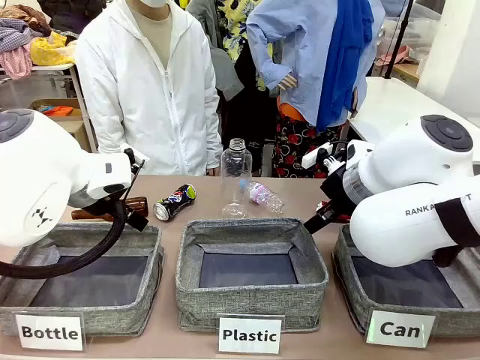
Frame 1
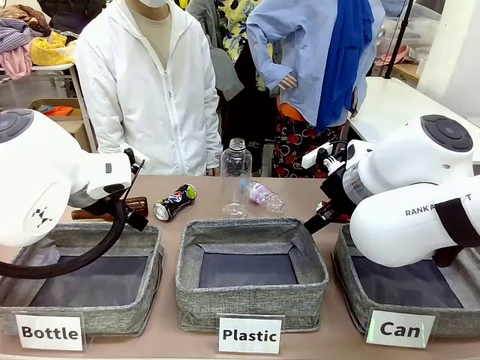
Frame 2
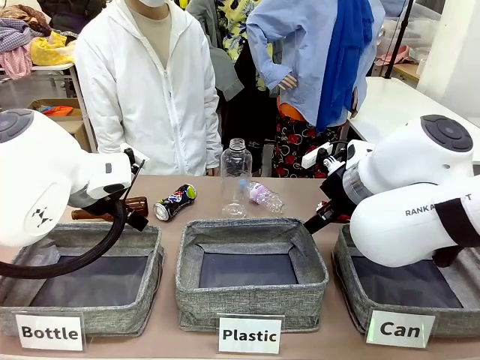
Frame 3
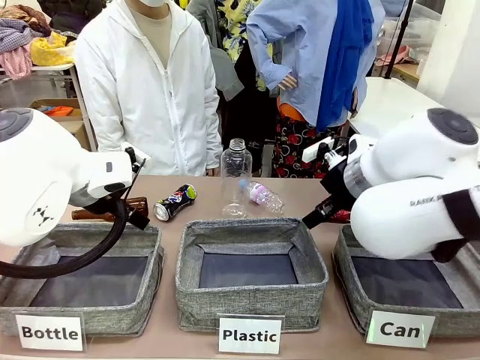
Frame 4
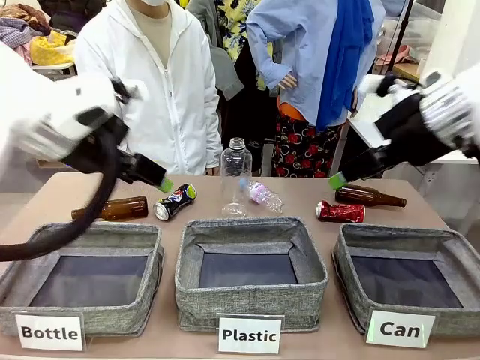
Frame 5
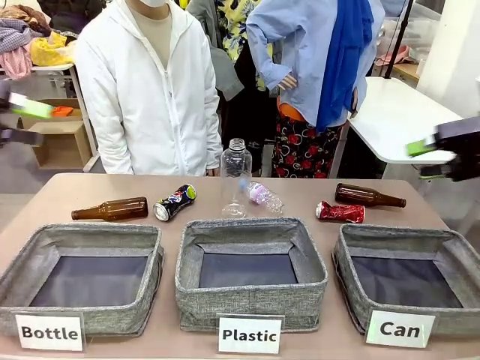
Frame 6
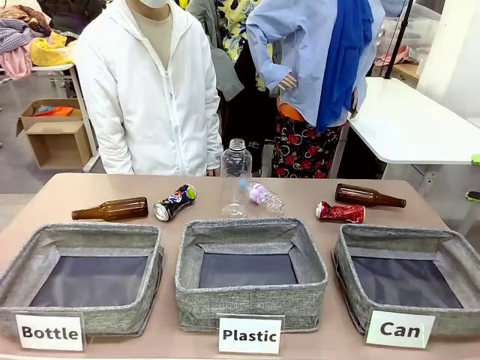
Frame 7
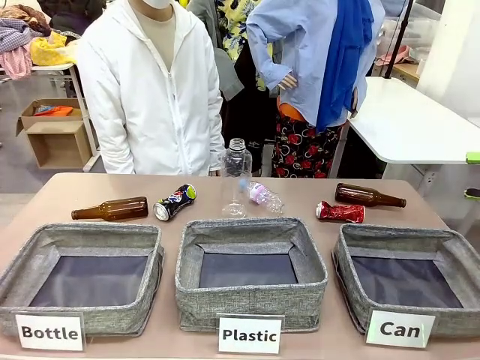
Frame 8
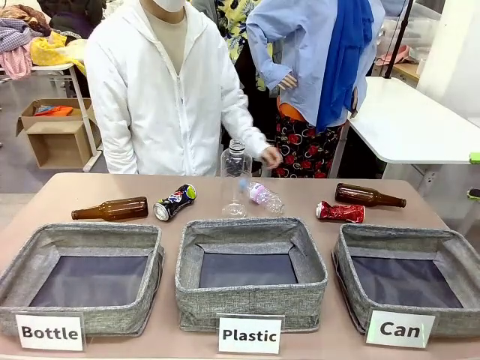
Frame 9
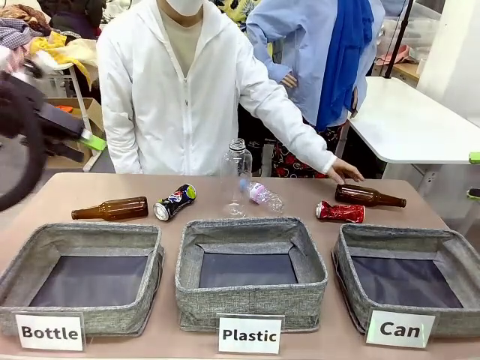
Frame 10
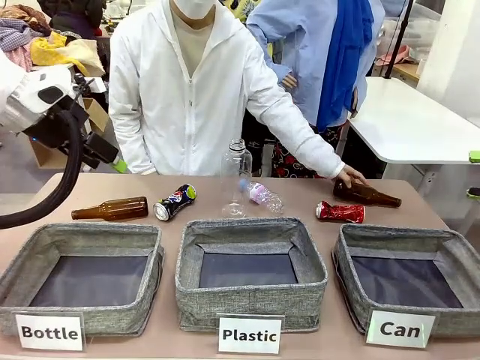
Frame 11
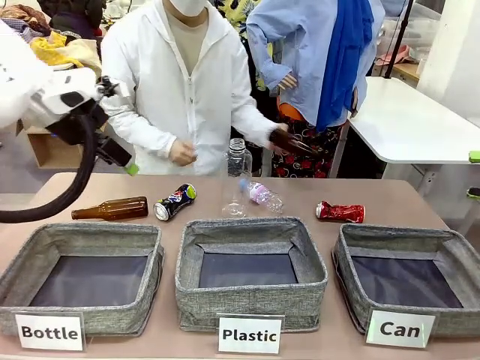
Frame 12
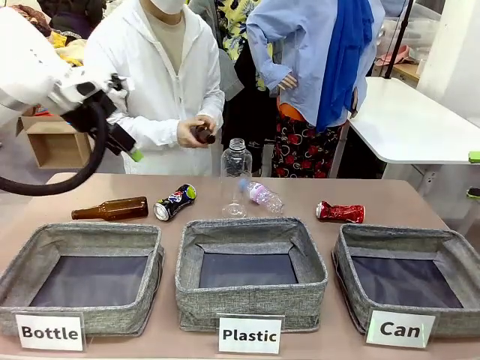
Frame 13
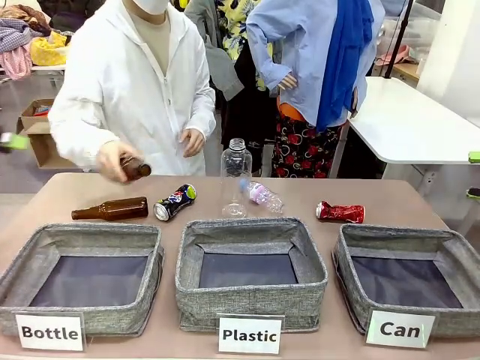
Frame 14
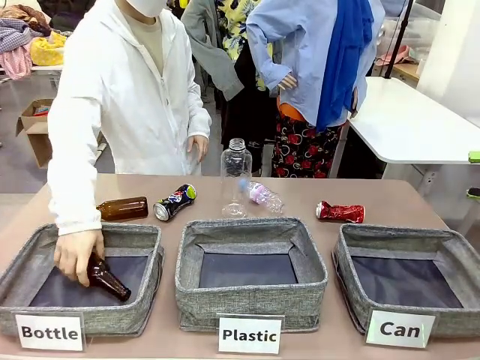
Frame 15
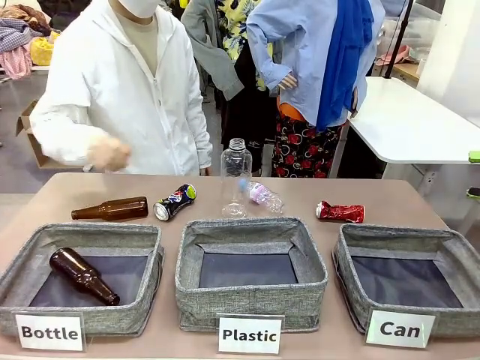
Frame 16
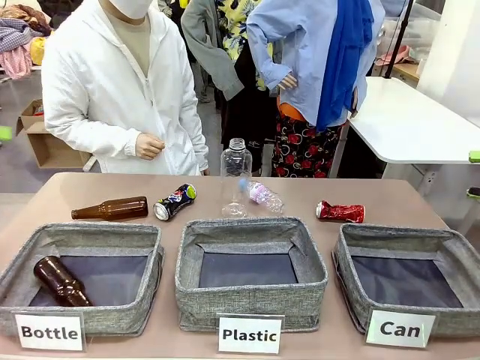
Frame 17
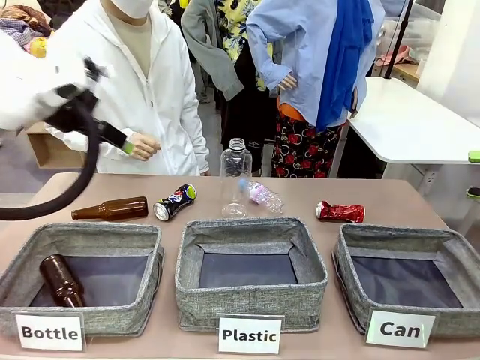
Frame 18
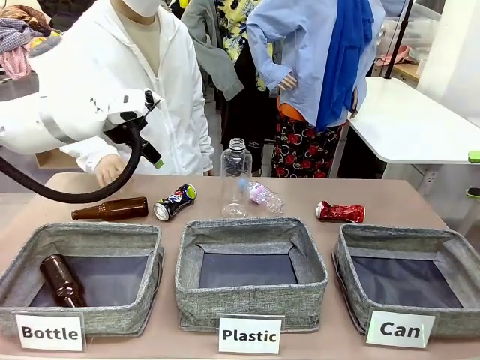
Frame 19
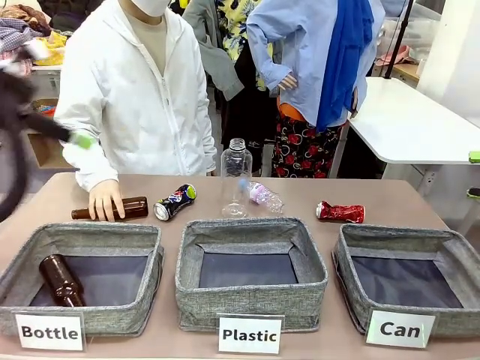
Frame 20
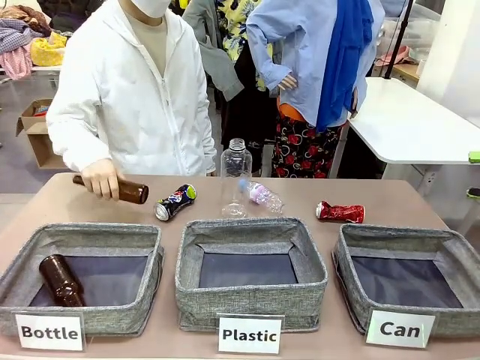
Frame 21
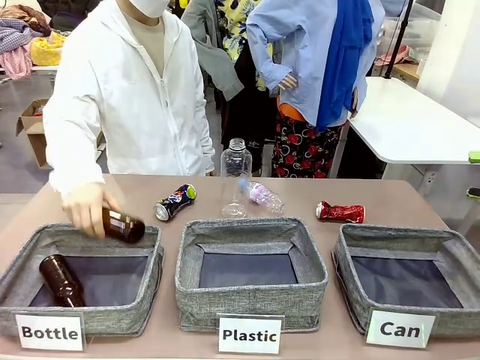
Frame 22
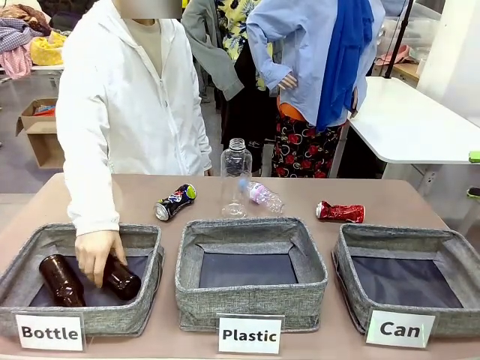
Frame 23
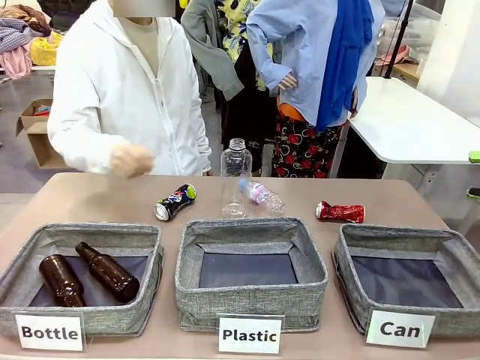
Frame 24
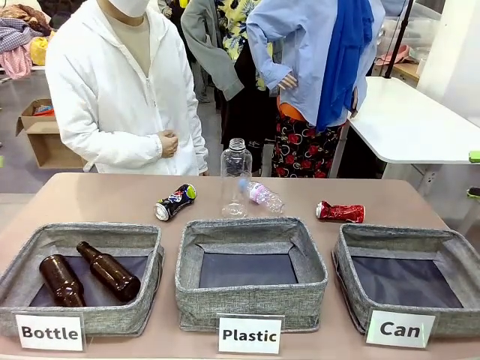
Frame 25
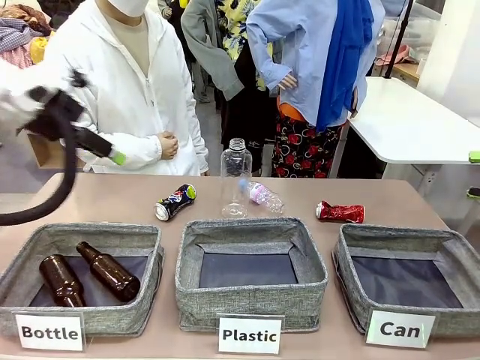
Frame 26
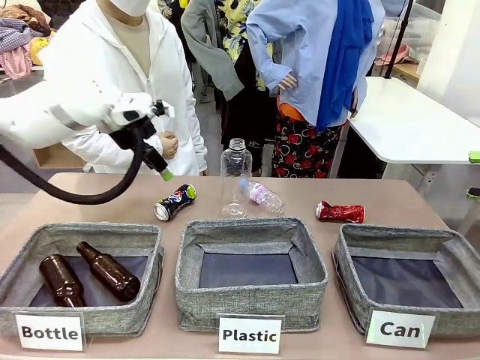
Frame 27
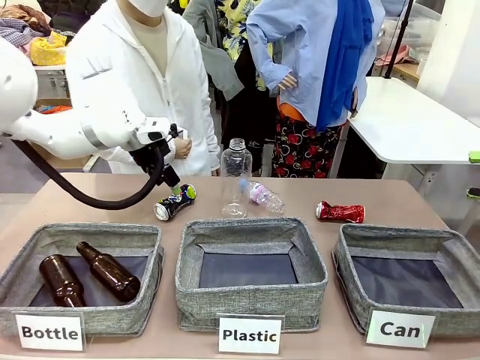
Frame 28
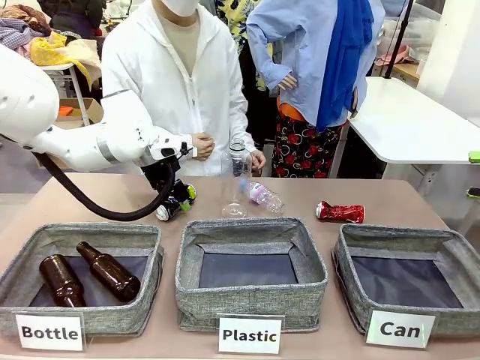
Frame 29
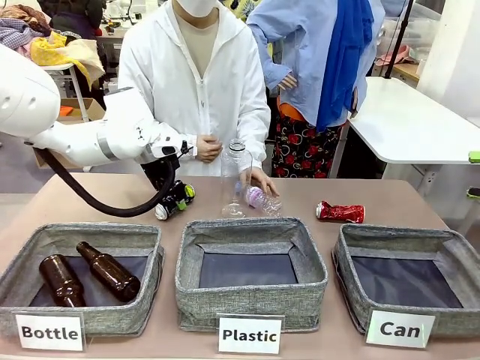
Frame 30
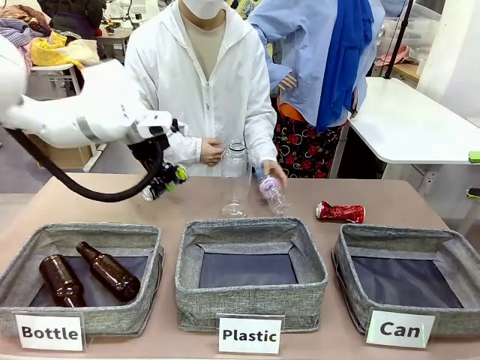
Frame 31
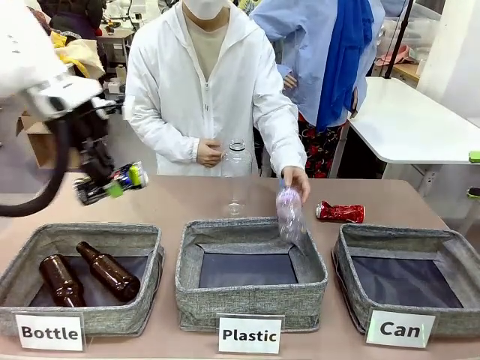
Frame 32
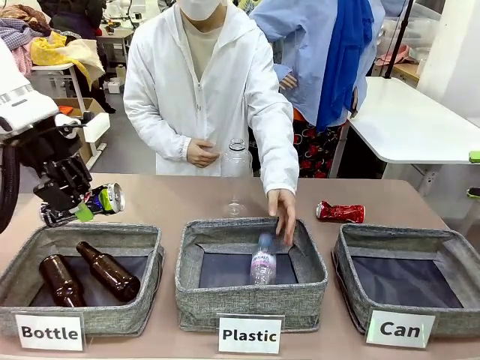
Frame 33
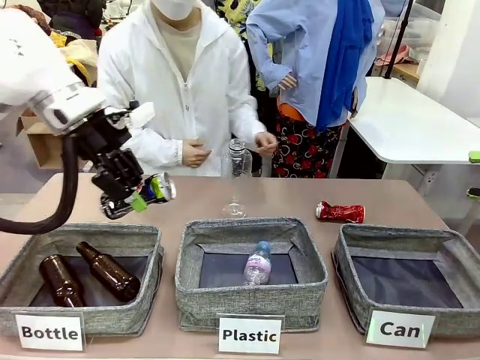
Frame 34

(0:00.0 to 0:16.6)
Task: Sort the can waste into the basket.
Robot: Pick up the can waste from the table and place it in the right Fabric basket.

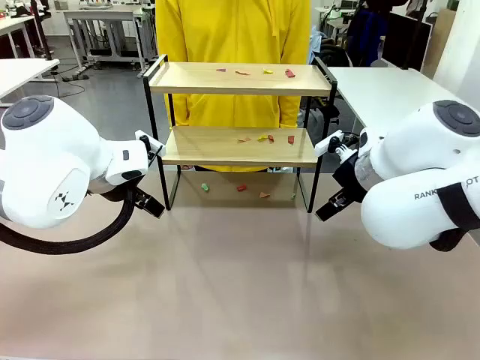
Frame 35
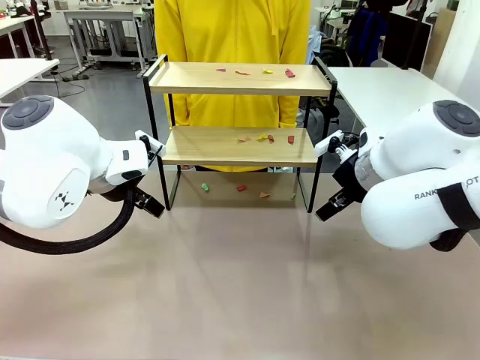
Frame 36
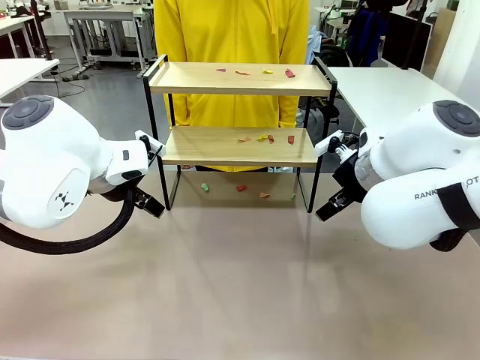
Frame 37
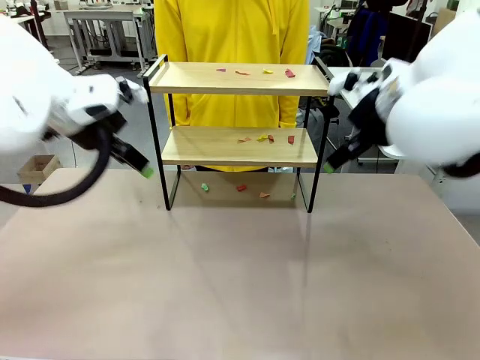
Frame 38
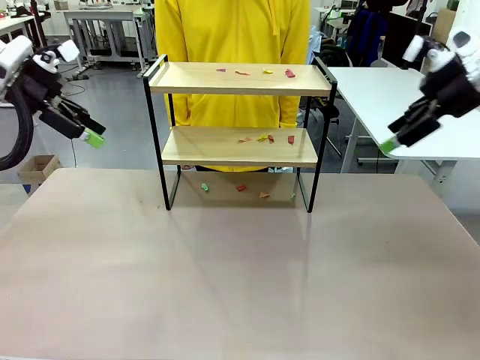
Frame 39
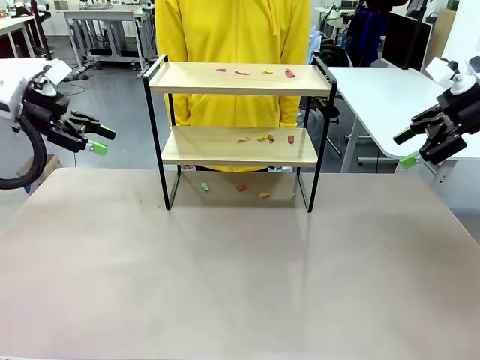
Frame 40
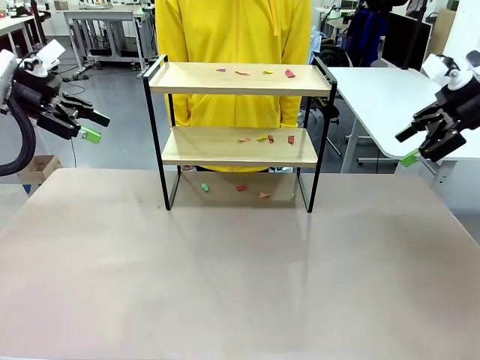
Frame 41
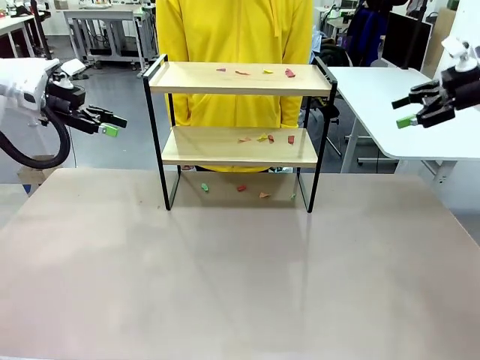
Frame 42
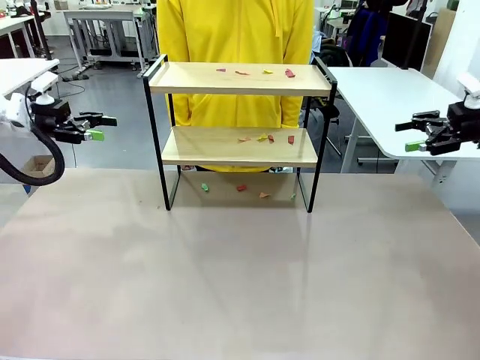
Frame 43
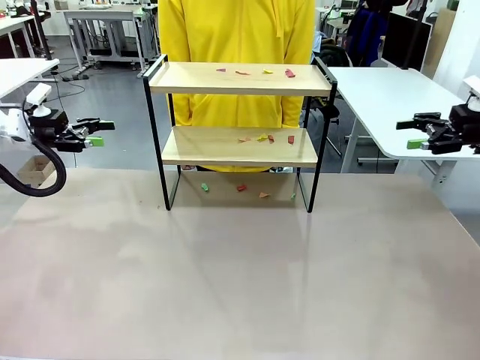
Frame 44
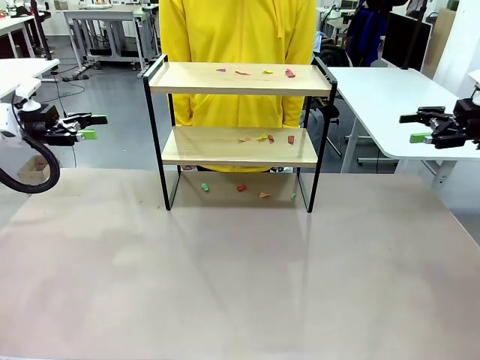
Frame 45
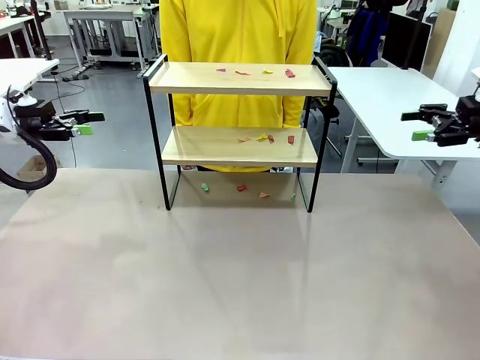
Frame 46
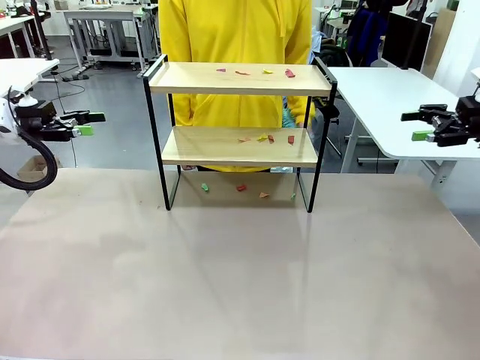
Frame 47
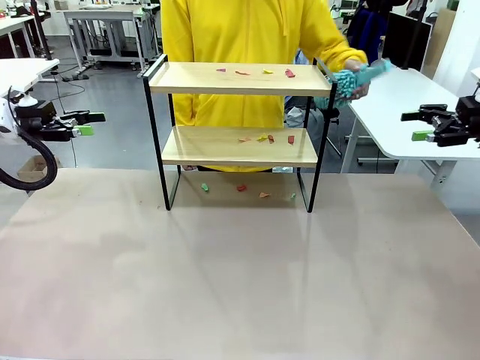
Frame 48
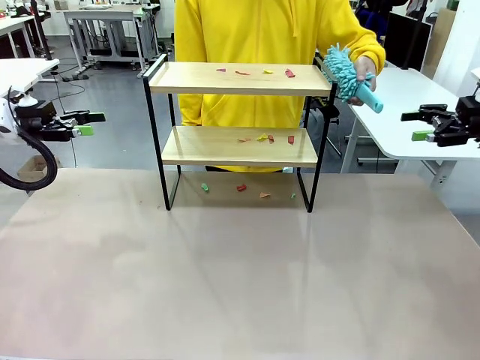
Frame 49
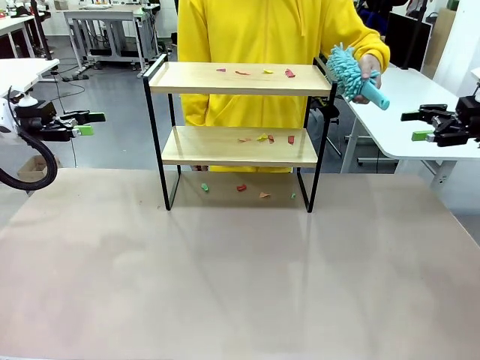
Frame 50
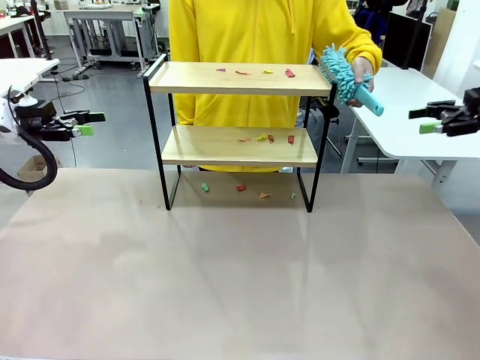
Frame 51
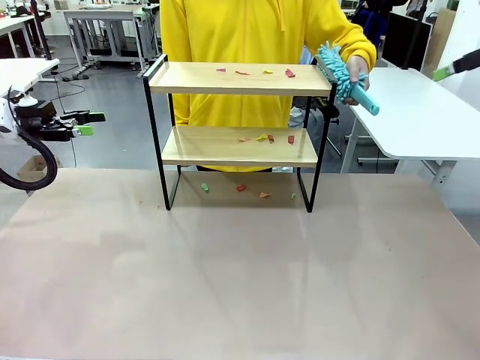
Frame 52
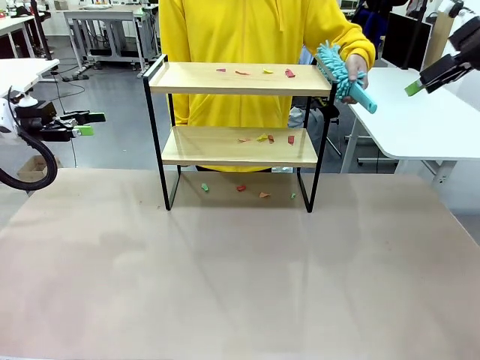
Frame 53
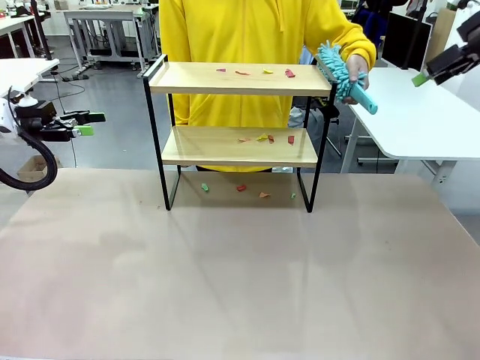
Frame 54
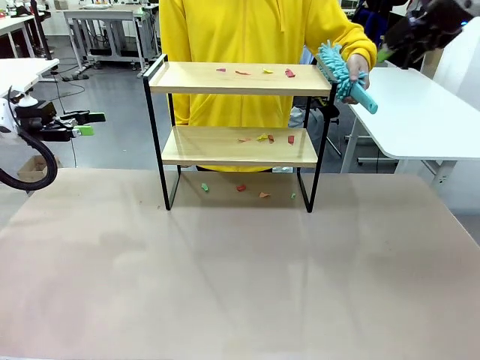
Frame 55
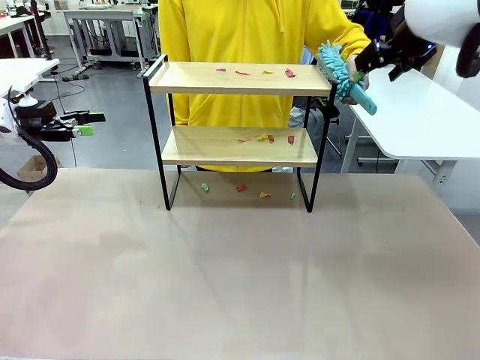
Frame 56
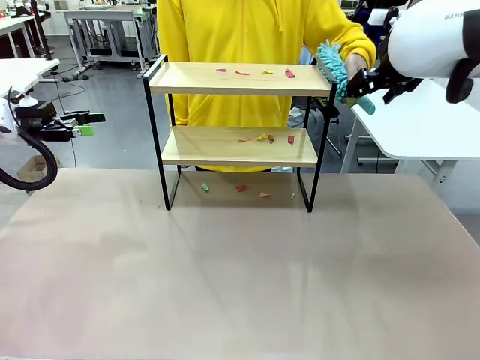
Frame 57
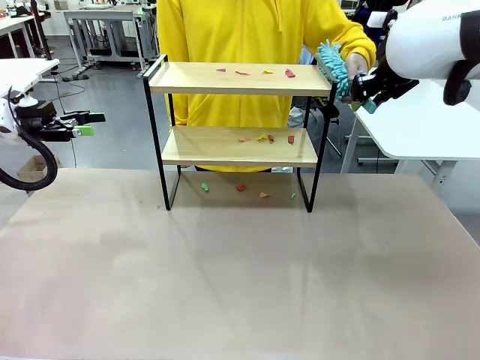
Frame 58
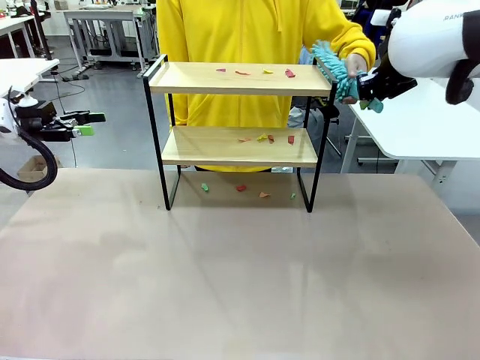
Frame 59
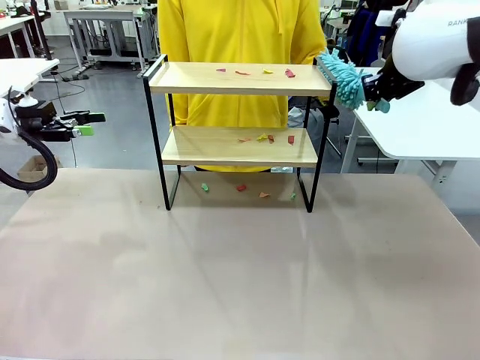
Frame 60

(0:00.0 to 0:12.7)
Task: Clean the shelf.
Robot: Pick up the Duster handed by the human.
Person: Hand the Duster to the robot.
